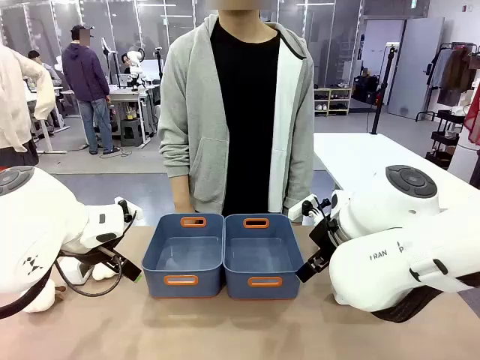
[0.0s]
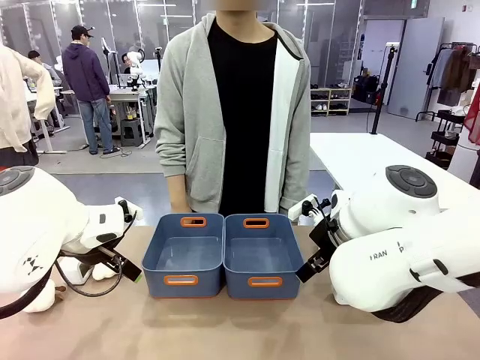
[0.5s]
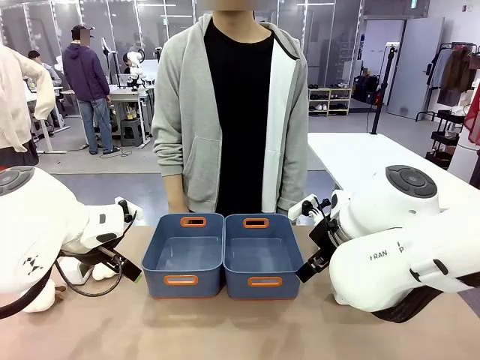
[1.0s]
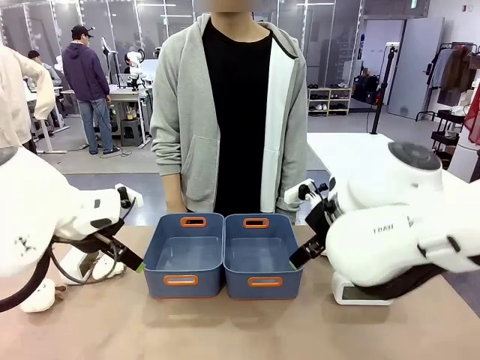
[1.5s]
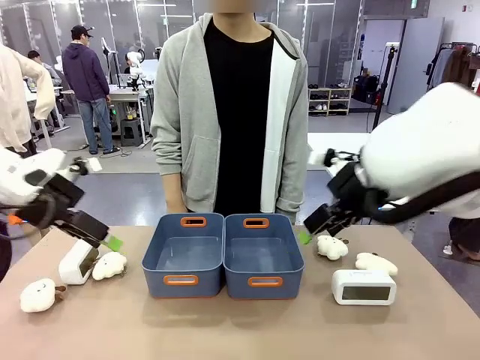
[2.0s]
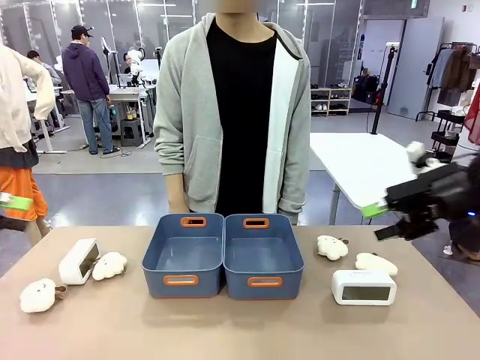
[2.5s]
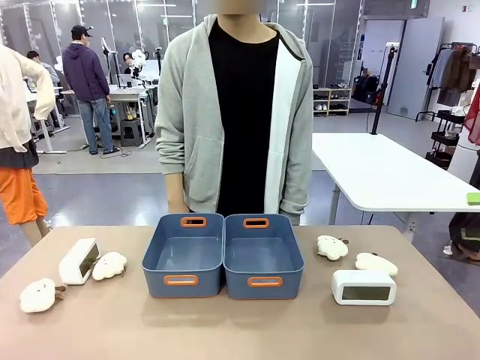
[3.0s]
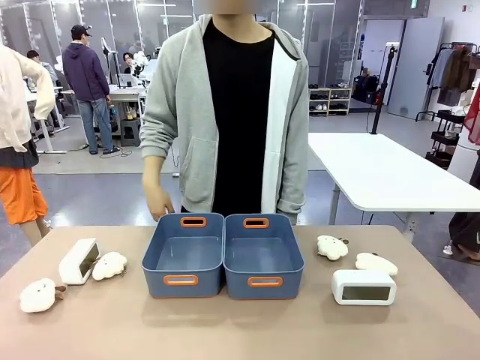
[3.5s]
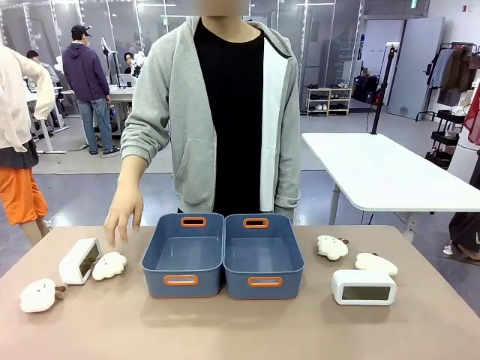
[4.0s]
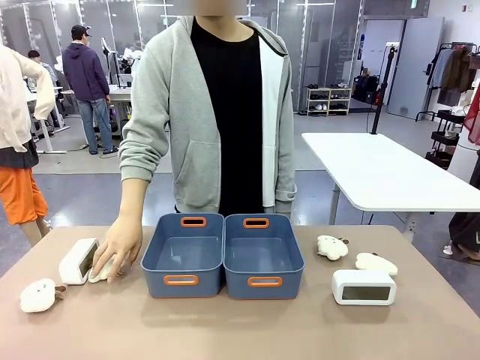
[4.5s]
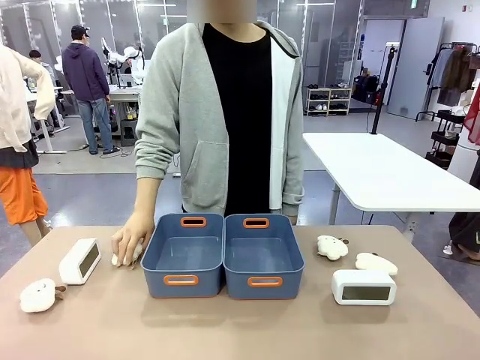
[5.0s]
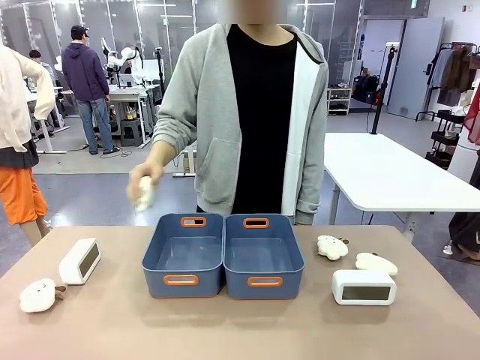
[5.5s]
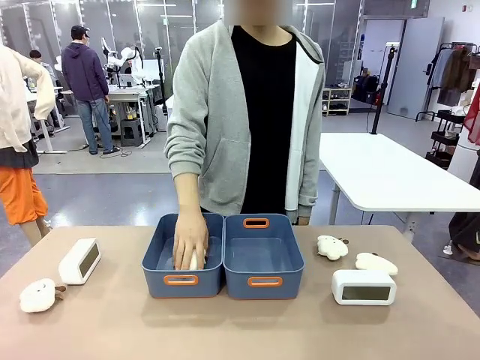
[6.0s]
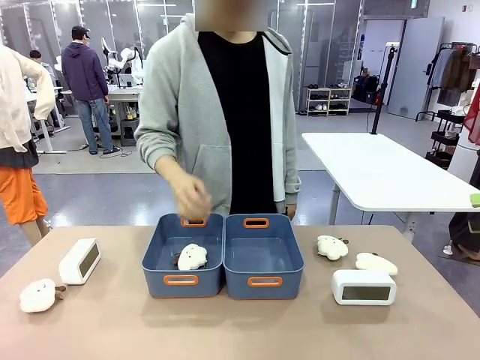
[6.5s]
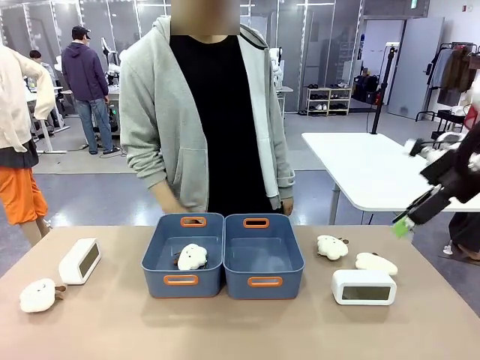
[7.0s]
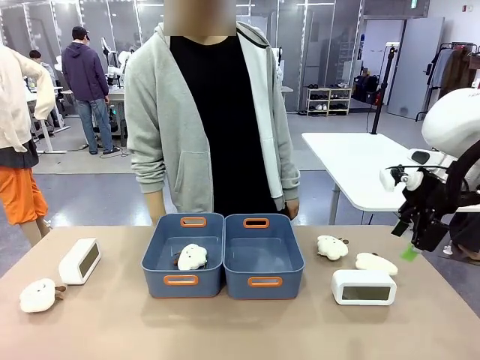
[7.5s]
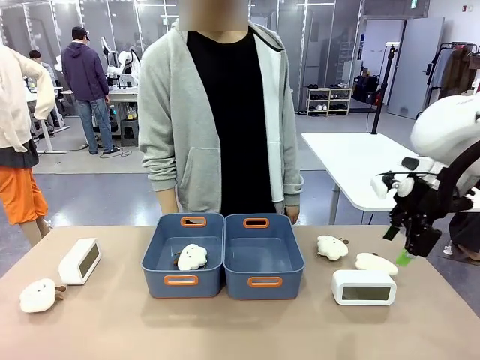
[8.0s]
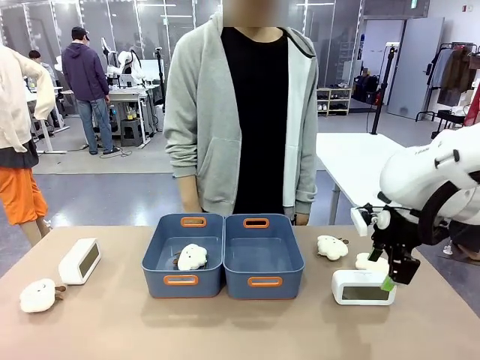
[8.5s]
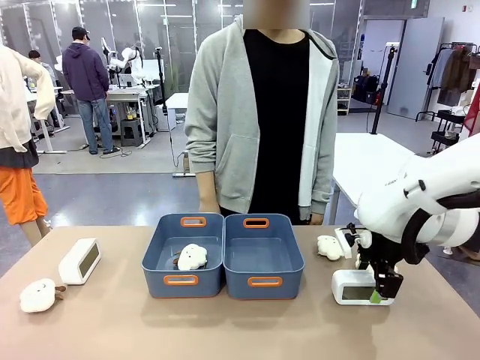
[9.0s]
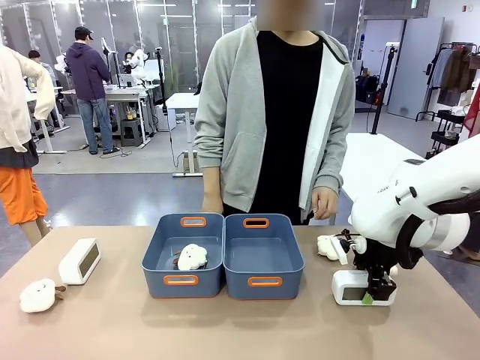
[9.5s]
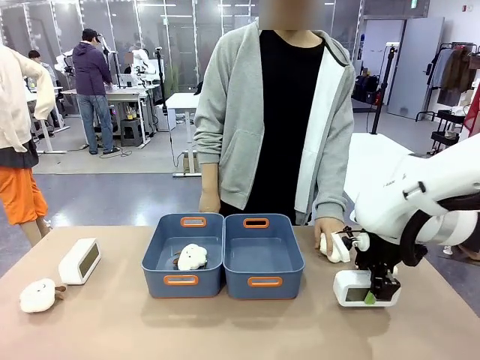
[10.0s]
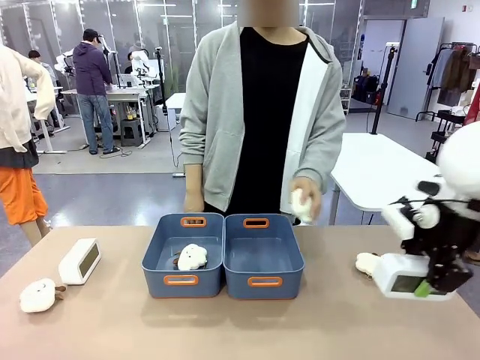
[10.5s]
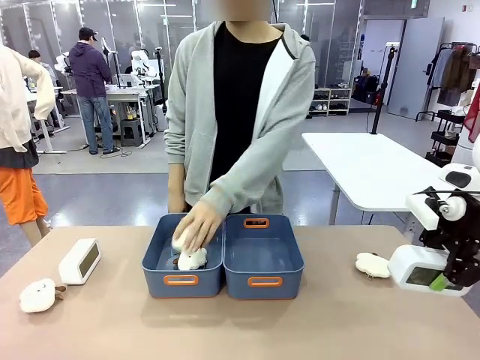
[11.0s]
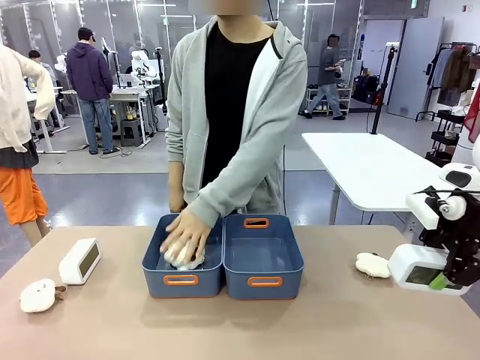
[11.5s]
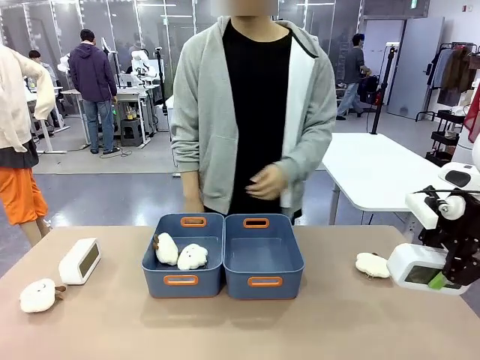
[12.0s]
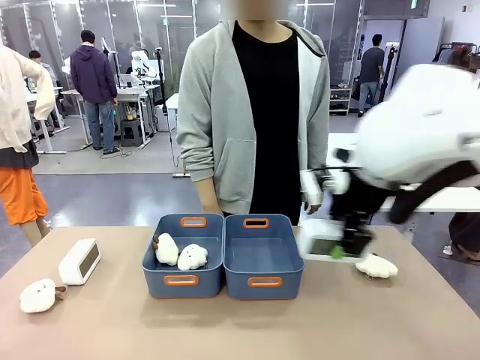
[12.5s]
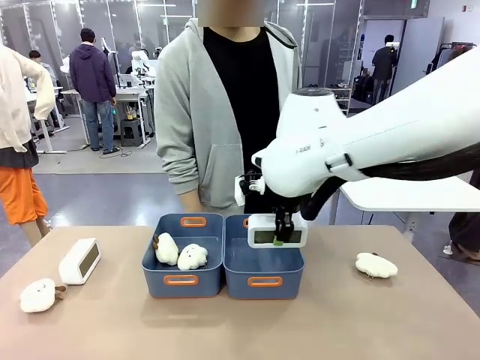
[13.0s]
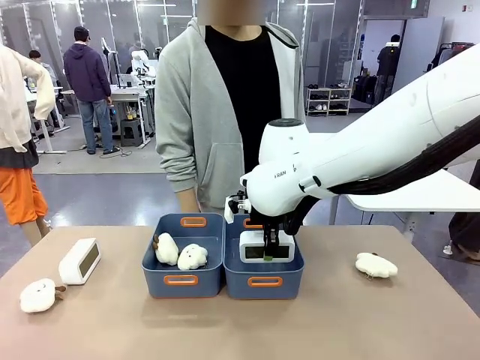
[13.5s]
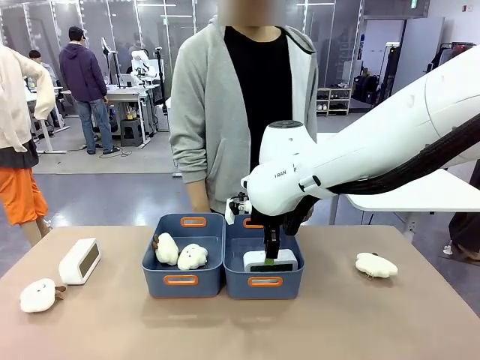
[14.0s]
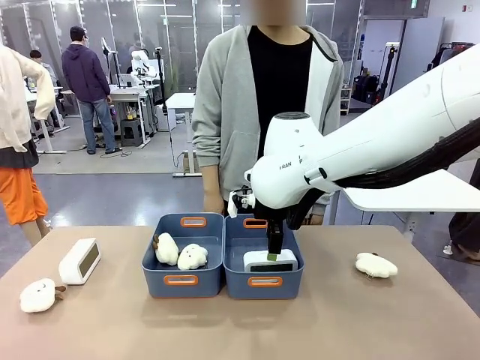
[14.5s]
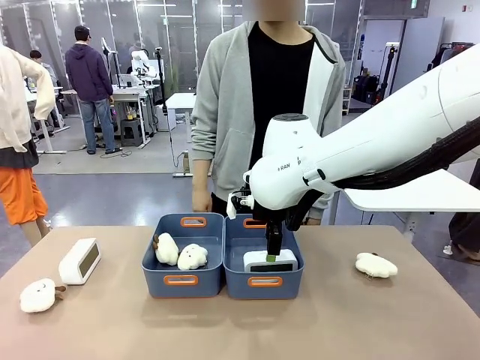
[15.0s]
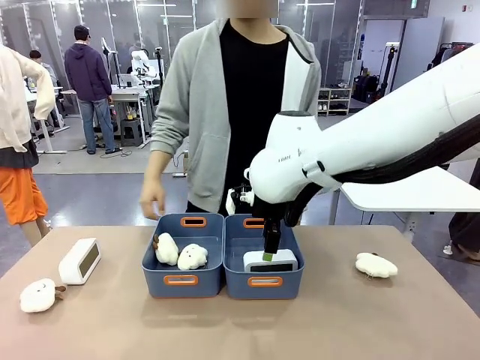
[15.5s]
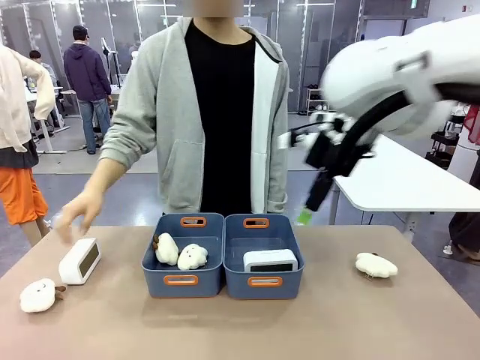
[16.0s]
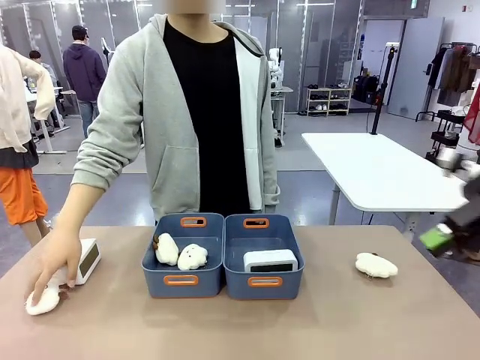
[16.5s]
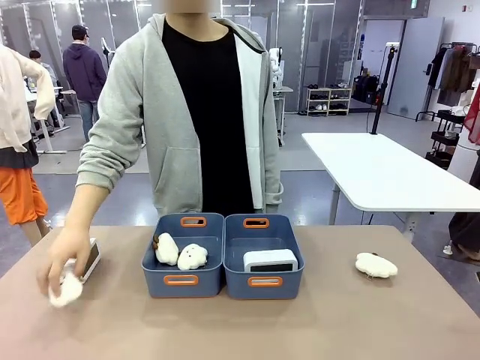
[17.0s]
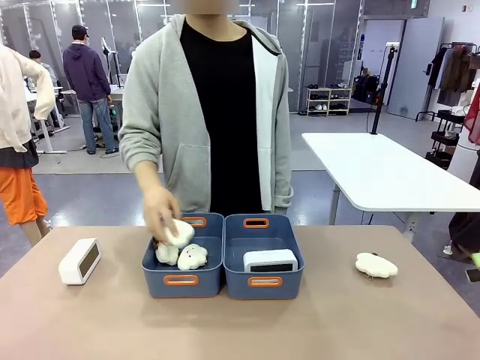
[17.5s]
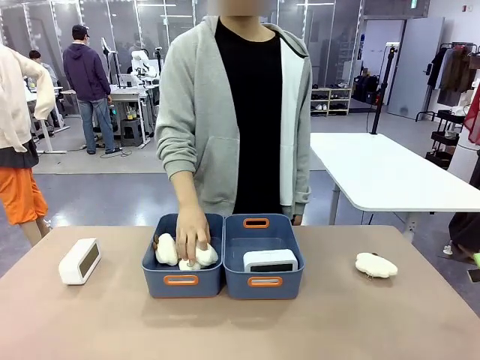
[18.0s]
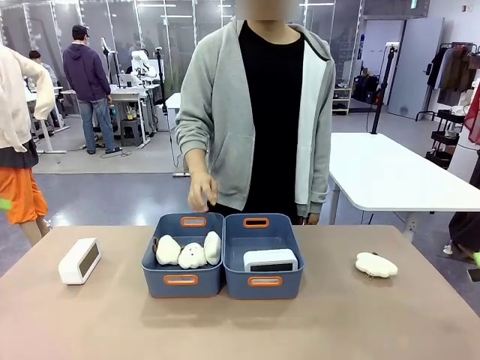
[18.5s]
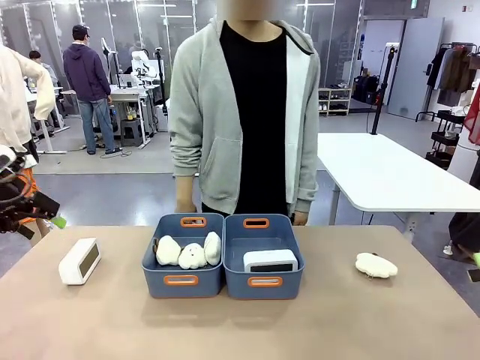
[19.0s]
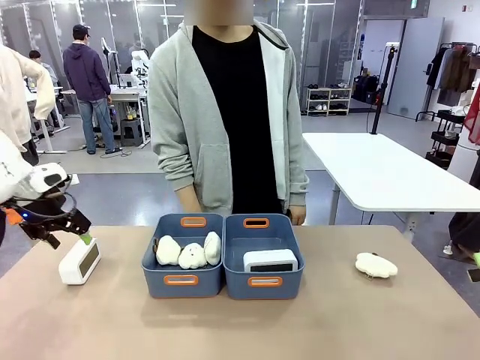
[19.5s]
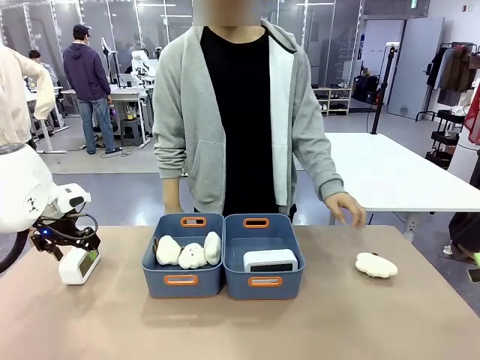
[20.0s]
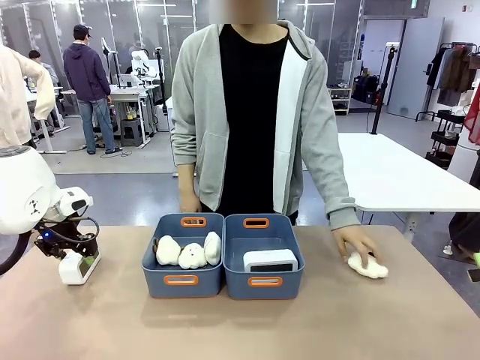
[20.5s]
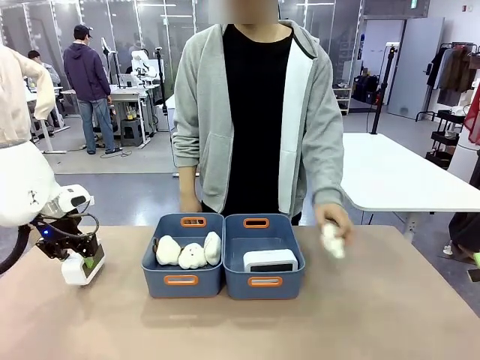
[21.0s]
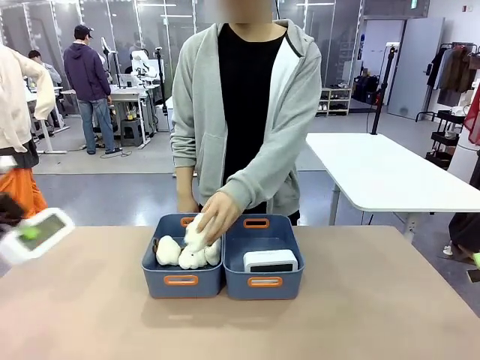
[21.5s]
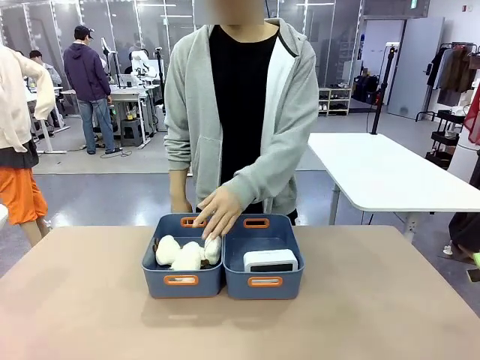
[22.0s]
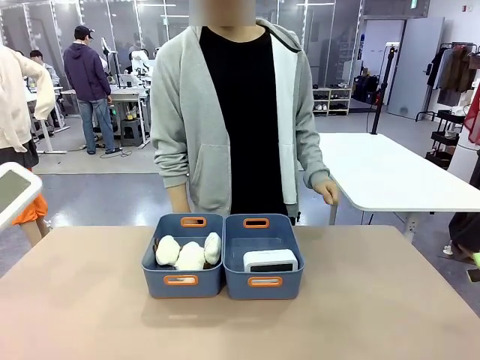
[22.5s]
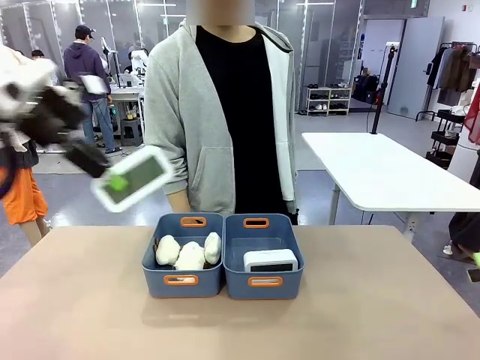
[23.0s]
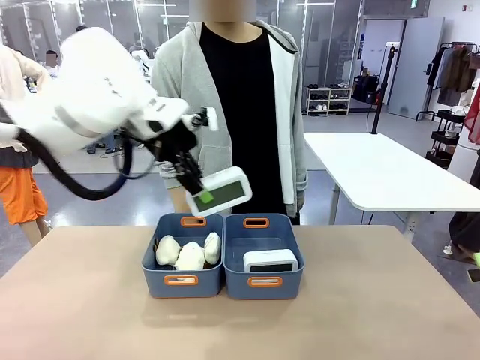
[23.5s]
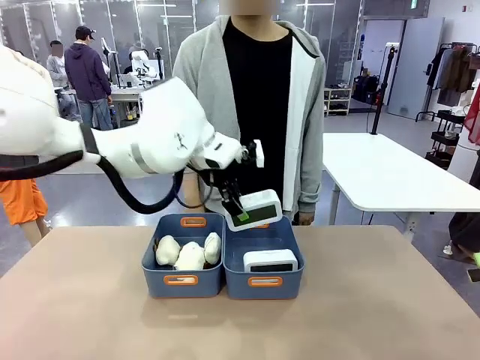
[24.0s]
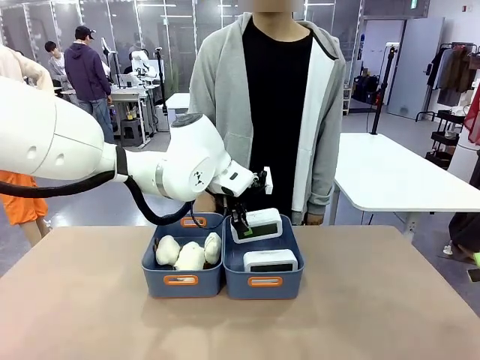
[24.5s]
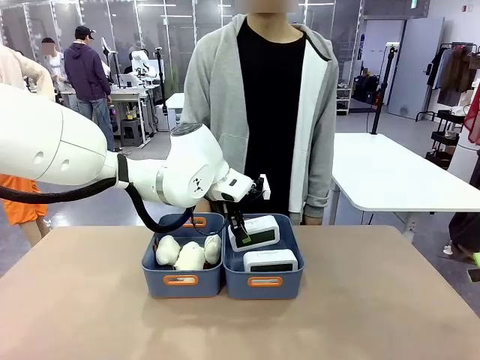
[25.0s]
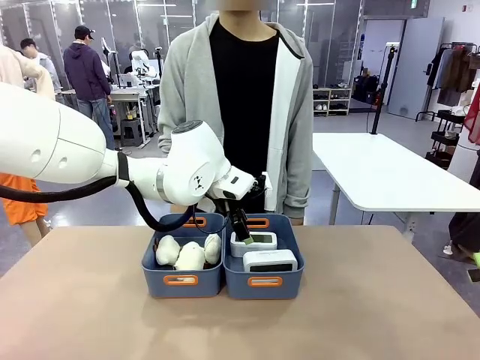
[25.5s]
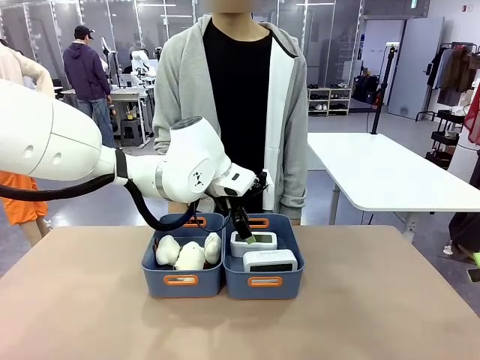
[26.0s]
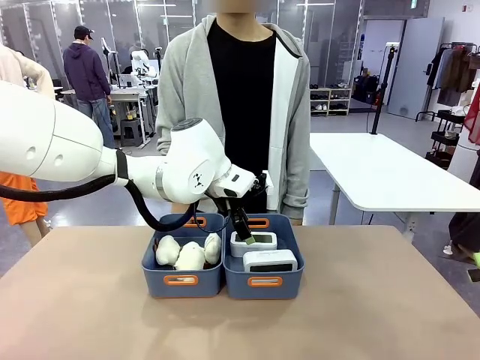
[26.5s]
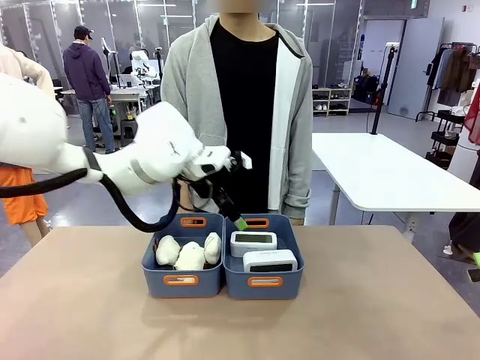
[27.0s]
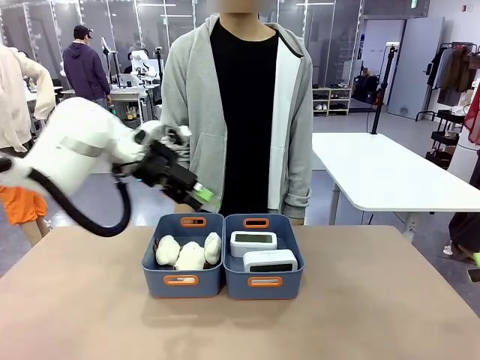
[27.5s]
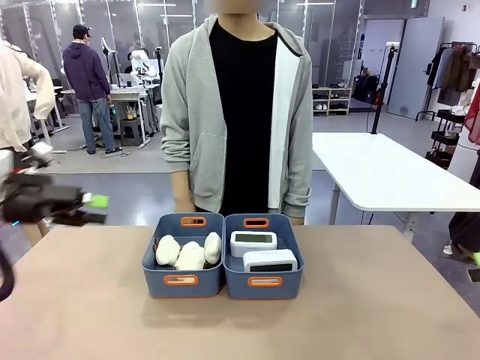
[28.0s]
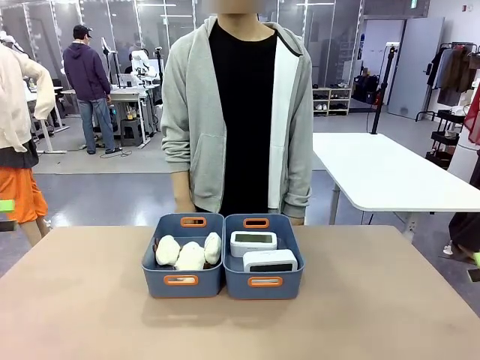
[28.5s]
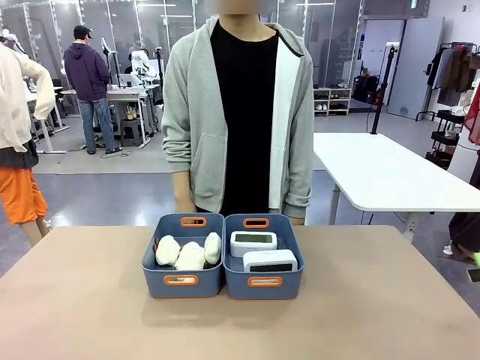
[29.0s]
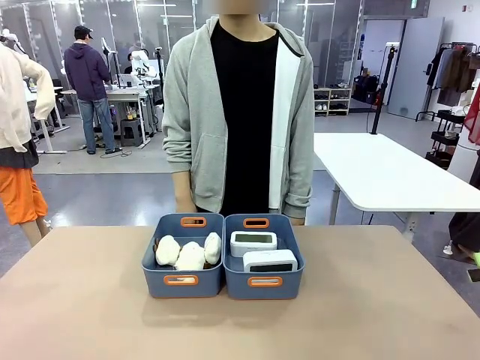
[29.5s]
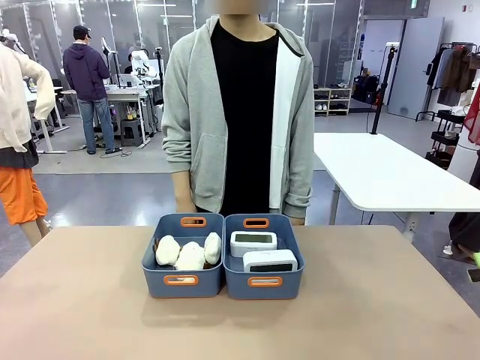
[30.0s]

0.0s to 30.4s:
Task: Sort the digital clocks into the basket.
Robot: Pick up the Digital clock from the table and place it into the empty Plastic storage basket.
Person: Pick up a plush toy from the table and place it in a plastic storage basket. Pick up a plush toy from the table and place it in the plastic storage basket containing the plush toy.
